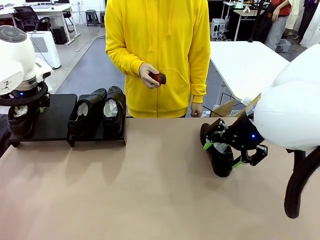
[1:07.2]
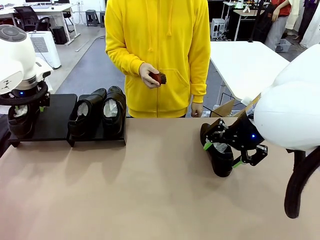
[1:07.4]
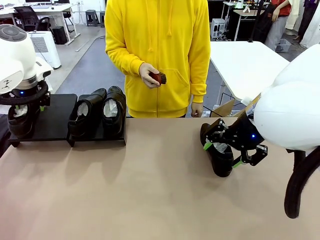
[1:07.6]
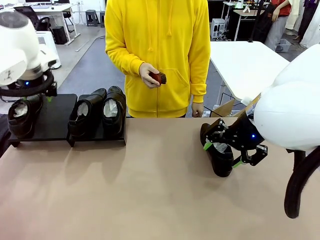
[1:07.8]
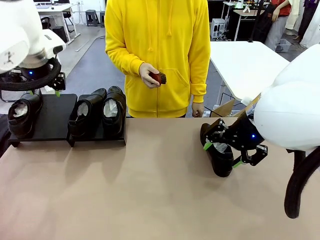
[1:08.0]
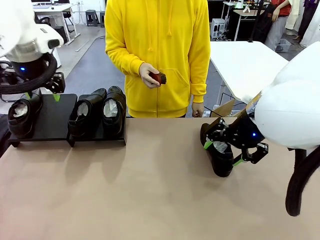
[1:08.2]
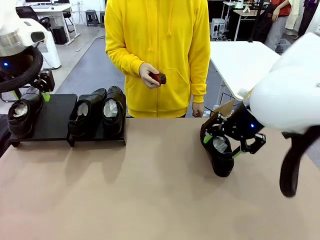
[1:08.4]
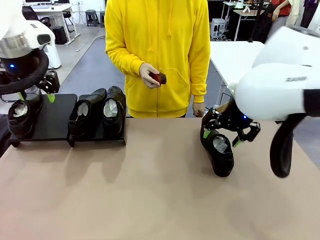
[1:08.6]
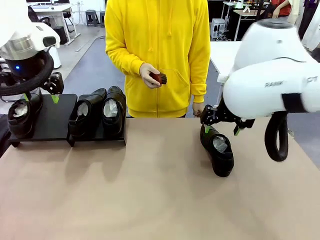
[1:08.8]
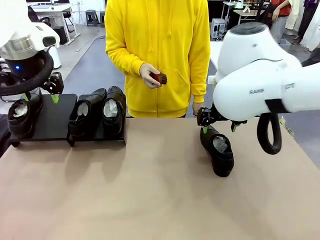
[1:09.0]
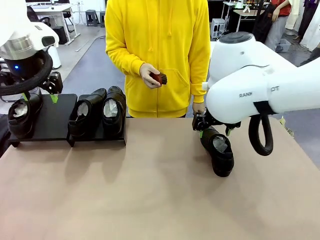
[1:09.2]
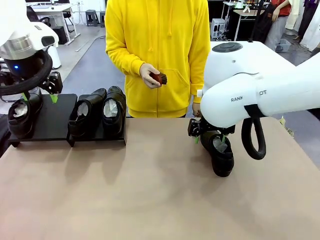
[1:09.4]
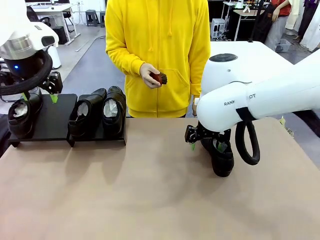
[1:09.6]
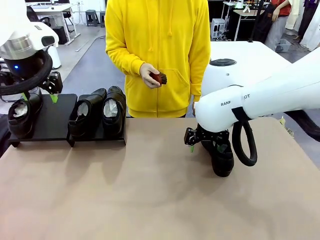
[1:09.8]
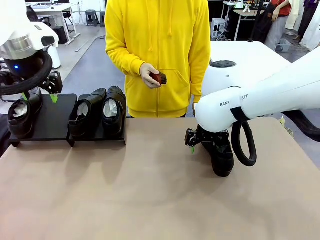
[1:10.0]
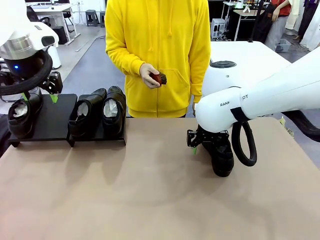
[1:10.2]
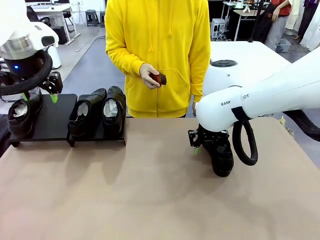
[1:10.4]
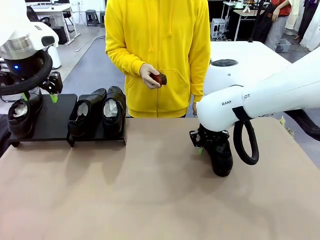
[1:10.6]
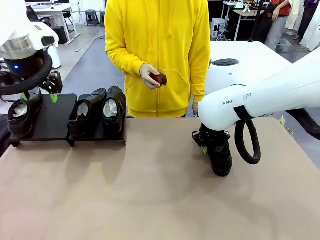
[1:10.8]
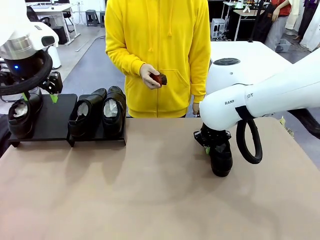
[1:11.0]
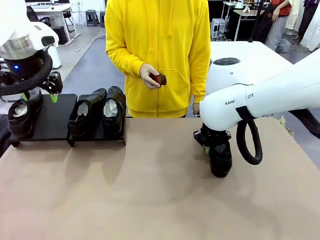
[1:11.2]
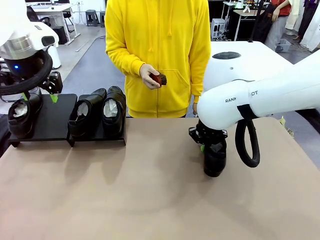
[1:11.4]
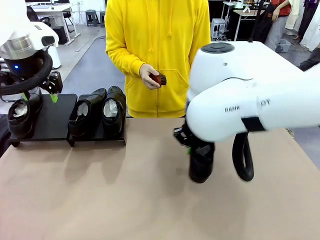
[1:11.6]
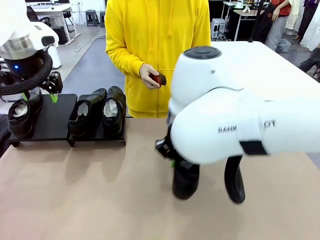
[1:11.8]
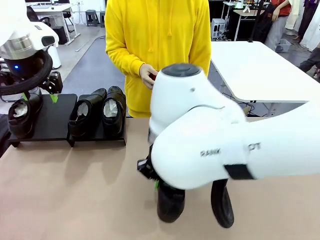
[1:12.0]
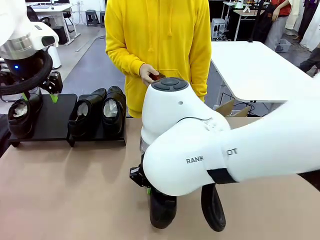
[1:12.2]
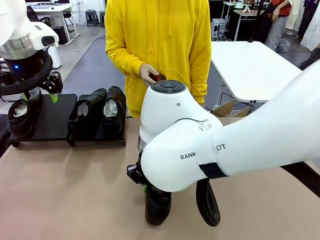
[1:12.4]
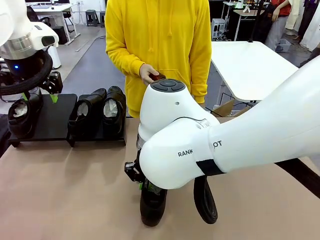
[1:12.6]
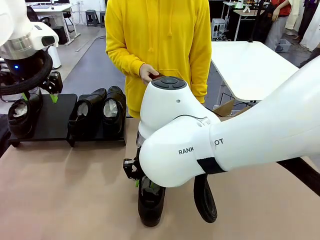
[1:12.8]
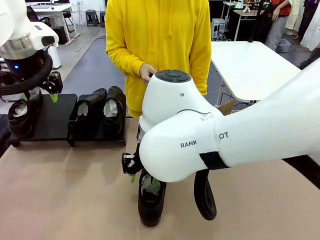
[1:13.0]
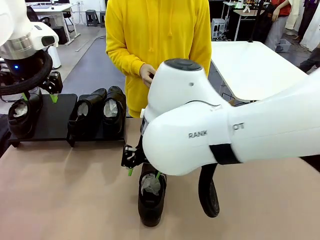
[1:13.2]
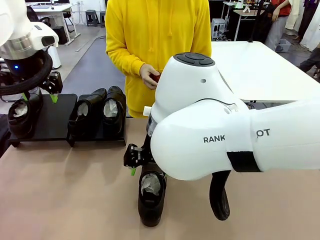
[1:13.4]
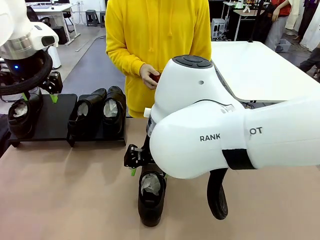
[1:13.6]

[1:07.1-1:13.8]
Task: Organize the shoes by placing them on the stand.
Robot: Pick up one Shoe and place it in the middle of the table.

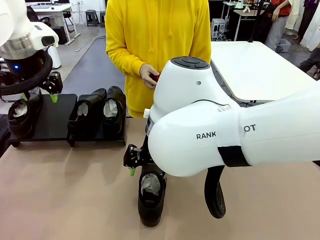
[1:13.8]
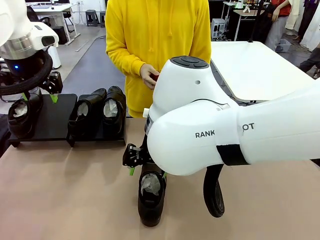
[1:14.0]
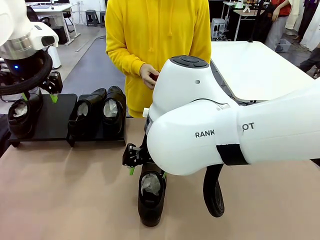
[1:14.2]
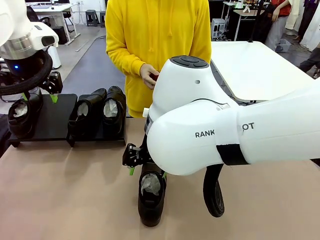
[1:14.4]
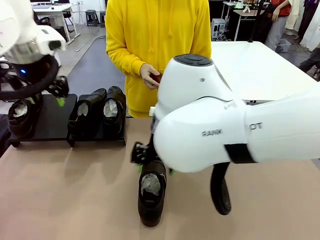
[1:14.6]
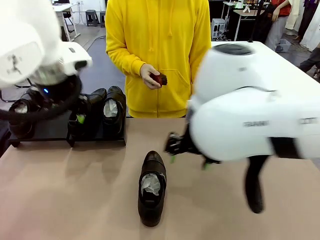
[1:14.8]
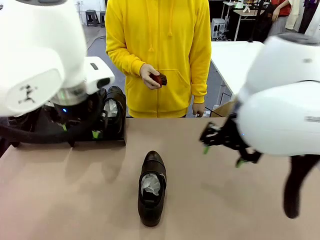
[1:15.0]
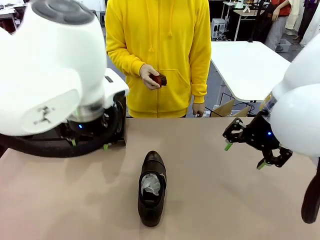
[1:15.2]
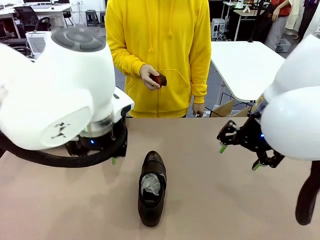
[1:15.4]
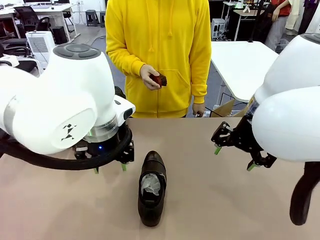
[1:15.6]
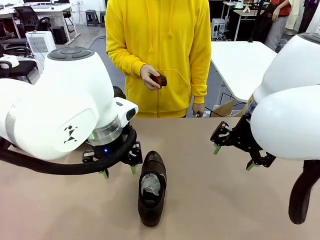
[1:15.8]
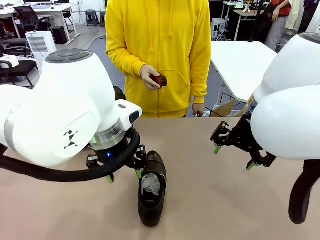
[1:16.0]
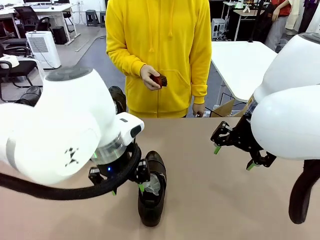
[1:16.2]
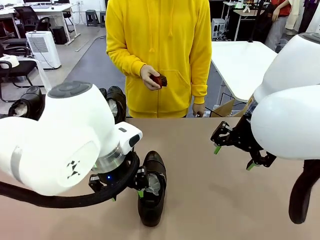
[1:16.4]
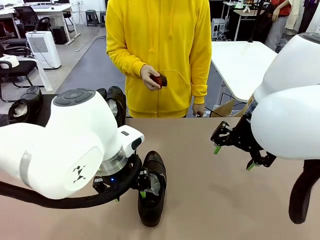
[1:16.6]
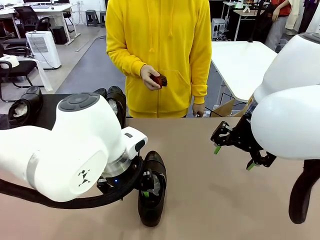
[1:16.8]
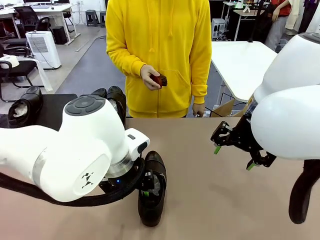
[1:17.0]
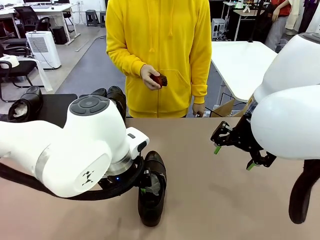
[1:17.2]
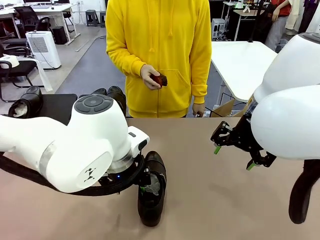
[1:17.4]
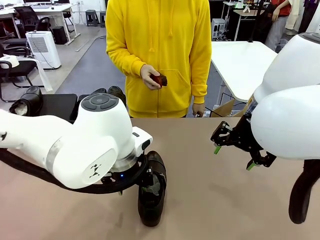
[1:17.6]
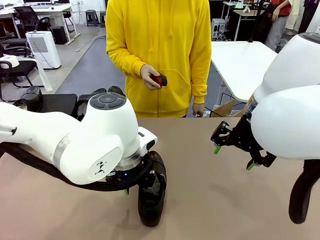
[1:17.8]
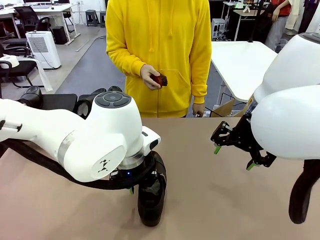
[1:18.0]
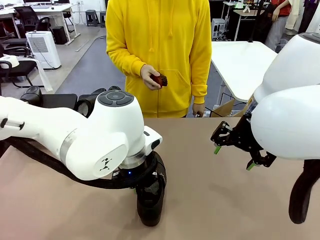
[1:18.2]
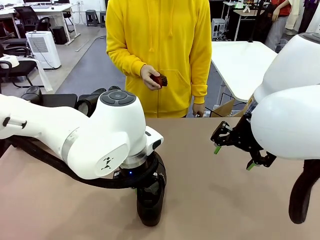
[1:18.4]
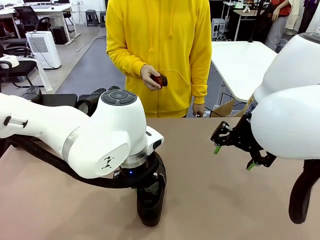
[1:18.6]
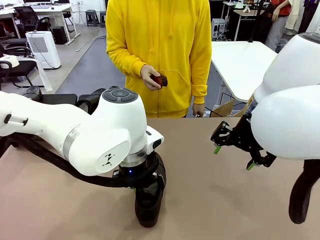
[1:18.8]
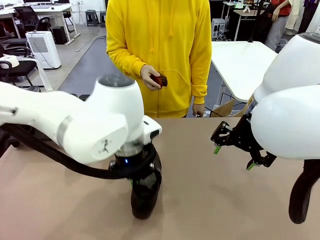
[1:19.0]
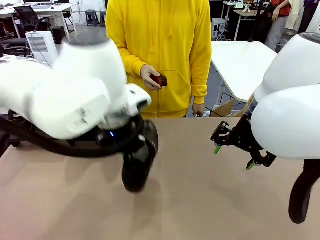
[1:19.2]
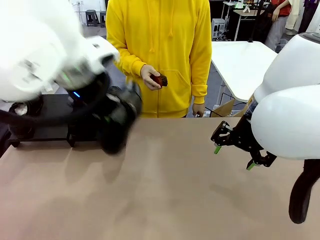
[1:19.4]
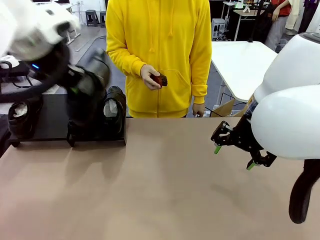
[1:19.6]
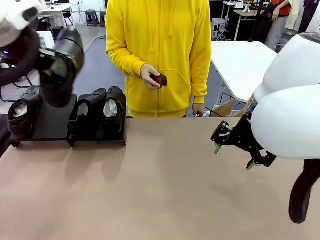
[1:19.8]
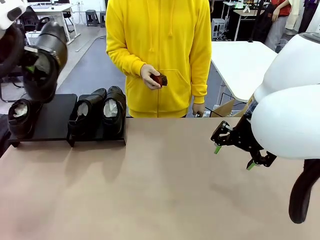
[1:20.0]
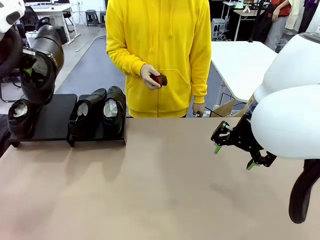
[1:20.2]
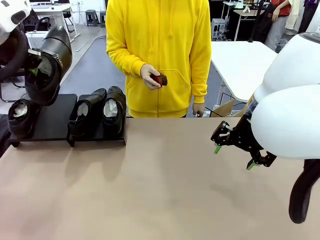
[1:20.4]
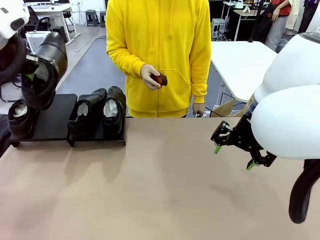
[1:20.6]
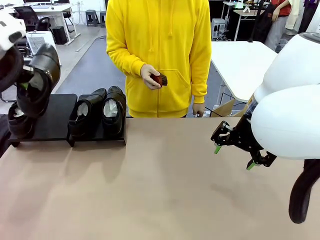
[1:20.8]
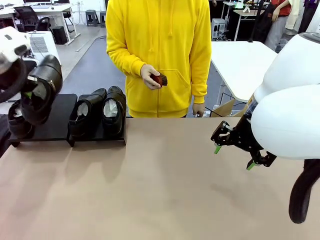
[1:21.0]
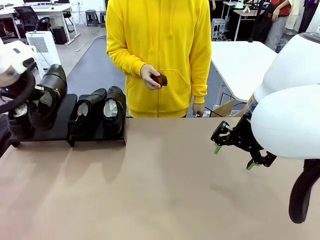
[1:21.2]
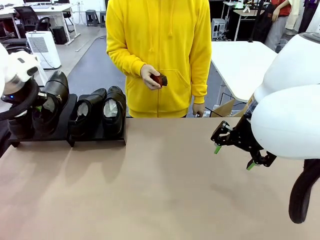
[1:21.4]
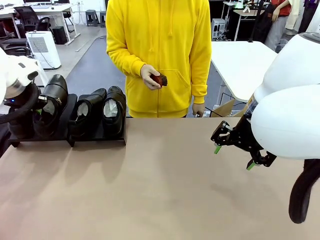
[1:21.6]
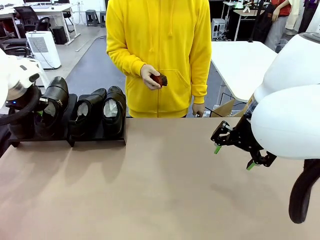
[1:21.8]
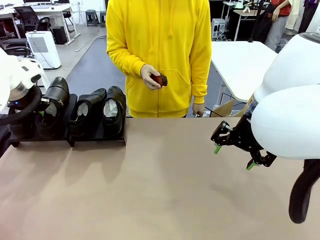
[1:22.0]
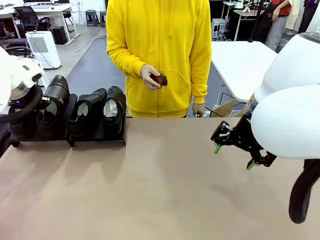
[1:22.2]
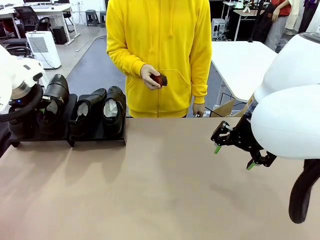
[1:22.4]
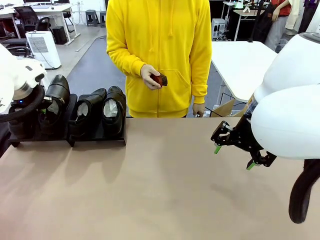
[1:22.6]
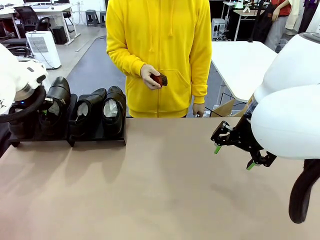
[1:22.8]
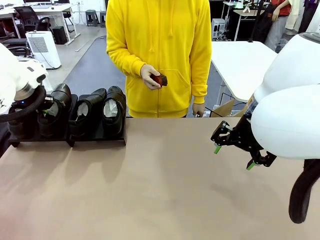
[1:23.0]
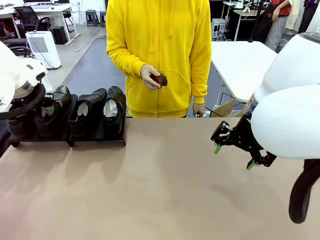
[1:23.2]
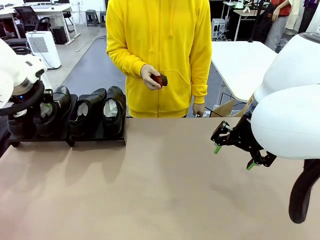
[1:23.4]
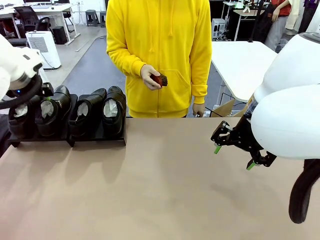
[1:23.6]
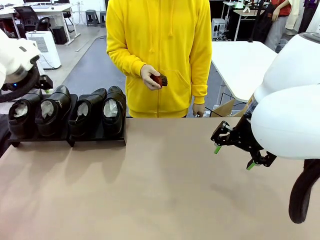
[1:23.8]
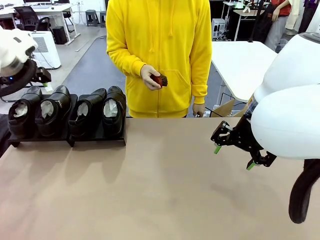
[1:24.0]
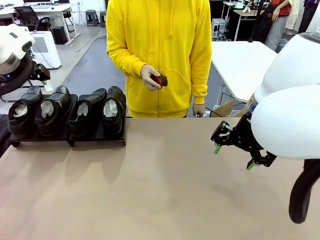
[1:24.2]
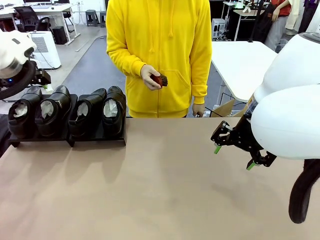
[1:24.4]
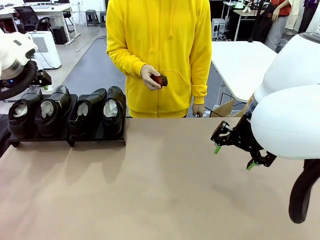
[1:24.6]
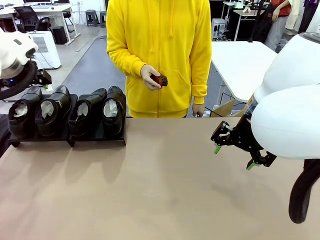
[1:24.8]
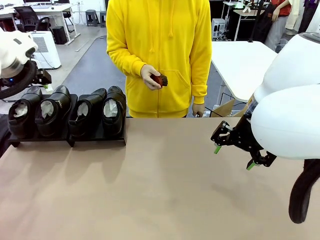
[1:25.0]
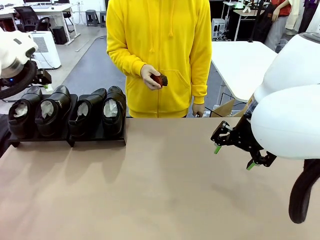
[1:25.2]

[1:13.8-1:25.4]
Robot: Place the Shoe from the middle of the table onto the Shoes Stand.
